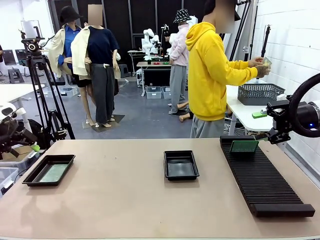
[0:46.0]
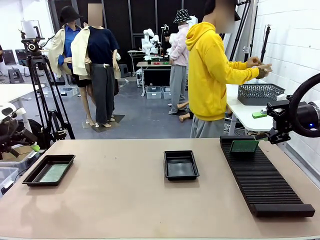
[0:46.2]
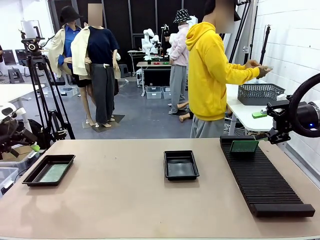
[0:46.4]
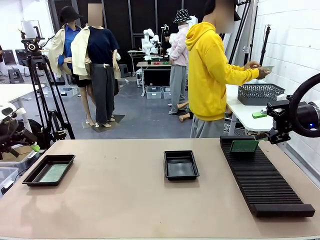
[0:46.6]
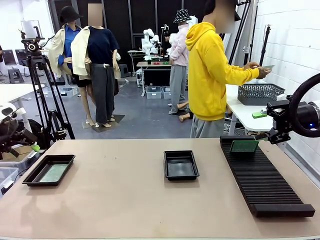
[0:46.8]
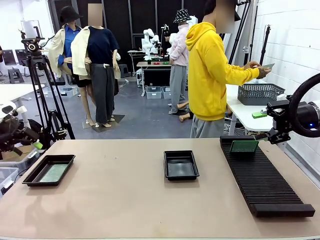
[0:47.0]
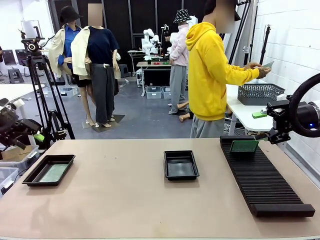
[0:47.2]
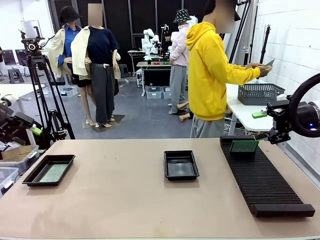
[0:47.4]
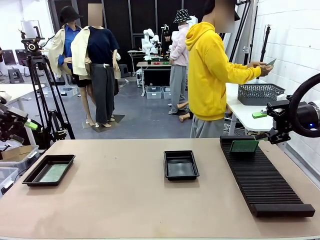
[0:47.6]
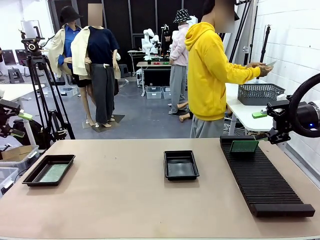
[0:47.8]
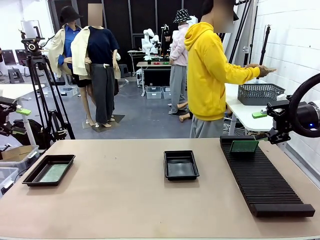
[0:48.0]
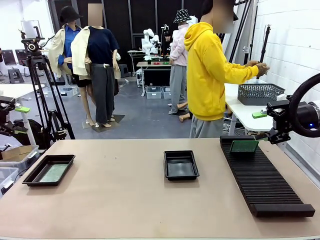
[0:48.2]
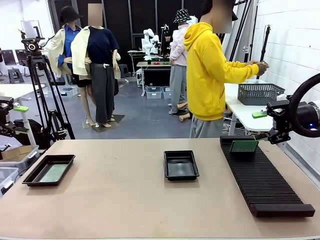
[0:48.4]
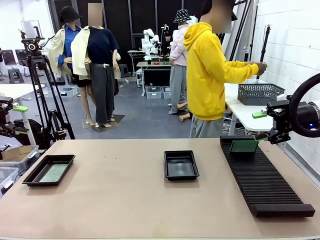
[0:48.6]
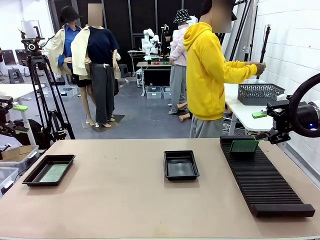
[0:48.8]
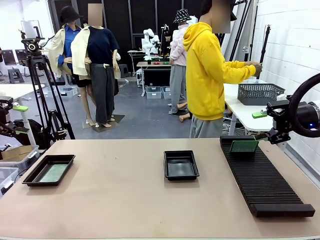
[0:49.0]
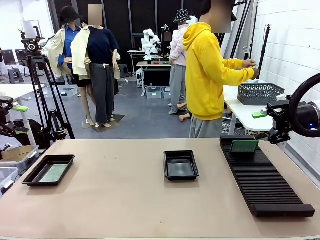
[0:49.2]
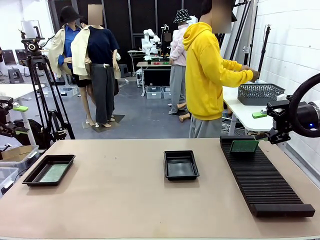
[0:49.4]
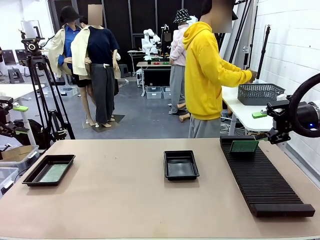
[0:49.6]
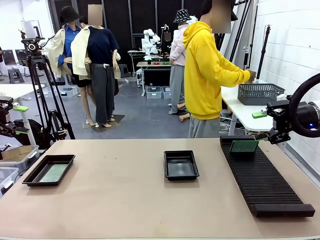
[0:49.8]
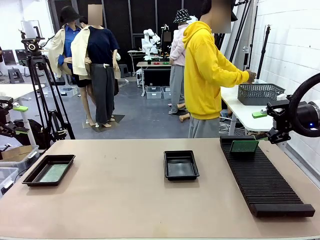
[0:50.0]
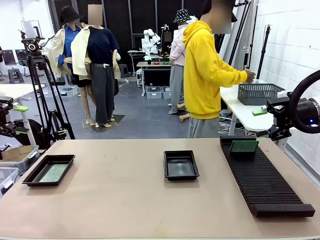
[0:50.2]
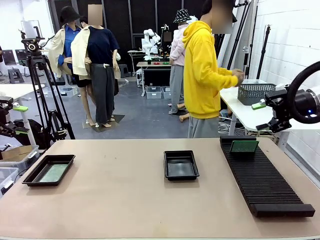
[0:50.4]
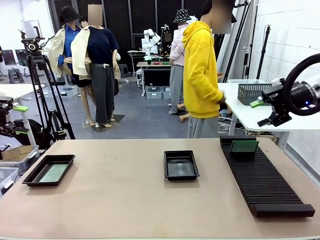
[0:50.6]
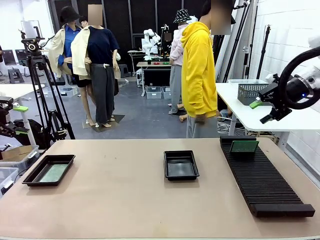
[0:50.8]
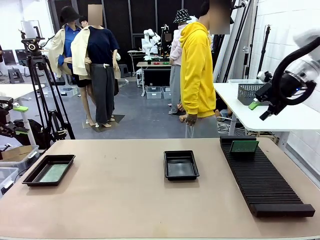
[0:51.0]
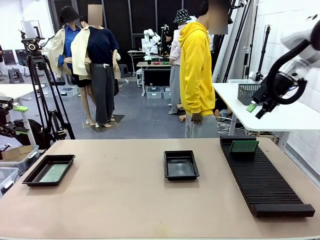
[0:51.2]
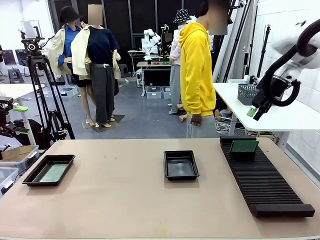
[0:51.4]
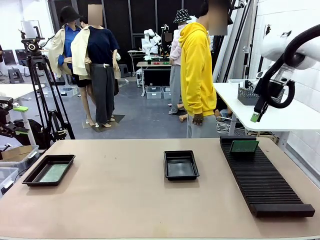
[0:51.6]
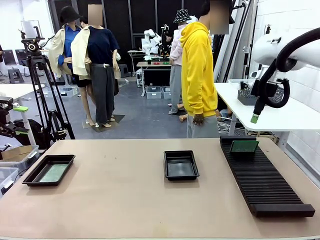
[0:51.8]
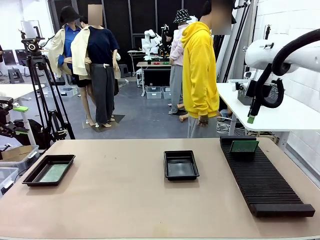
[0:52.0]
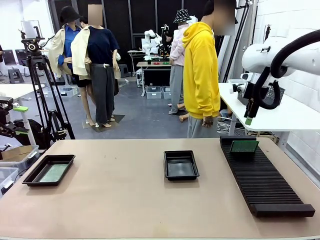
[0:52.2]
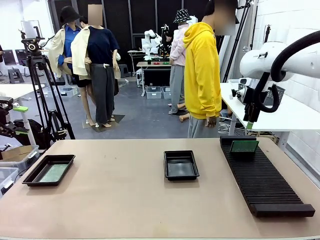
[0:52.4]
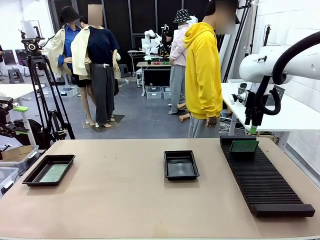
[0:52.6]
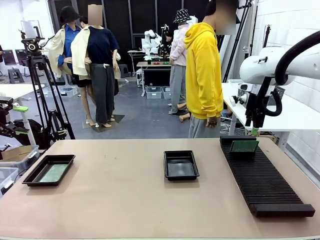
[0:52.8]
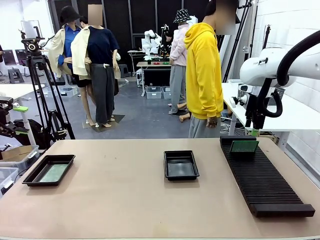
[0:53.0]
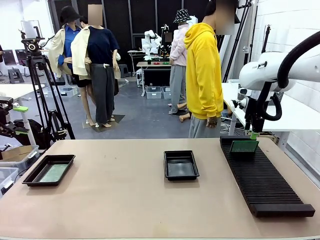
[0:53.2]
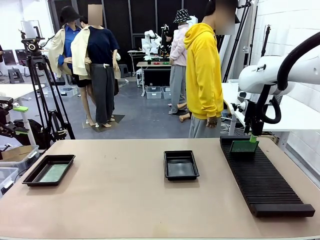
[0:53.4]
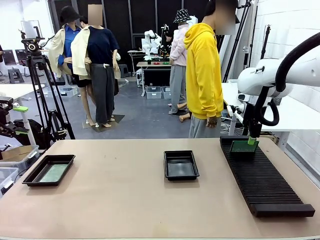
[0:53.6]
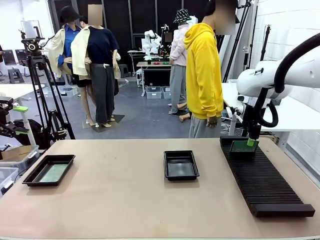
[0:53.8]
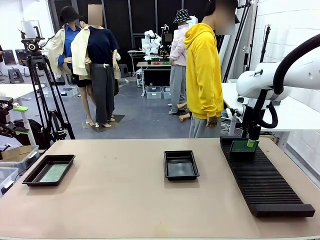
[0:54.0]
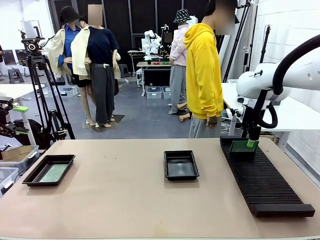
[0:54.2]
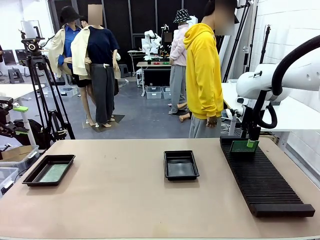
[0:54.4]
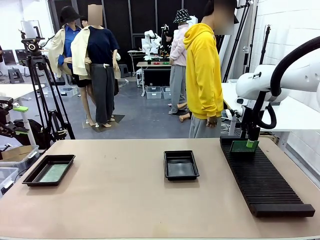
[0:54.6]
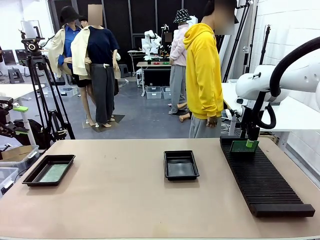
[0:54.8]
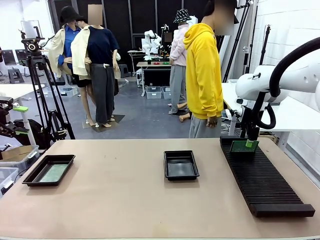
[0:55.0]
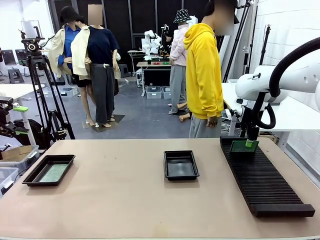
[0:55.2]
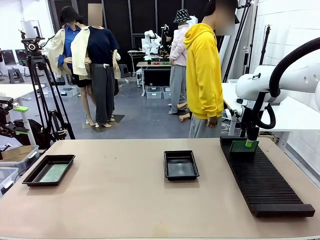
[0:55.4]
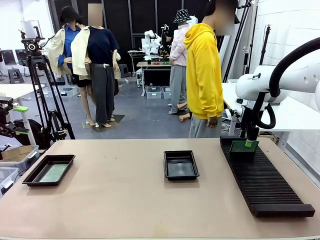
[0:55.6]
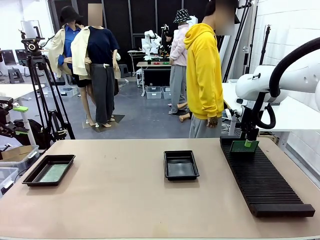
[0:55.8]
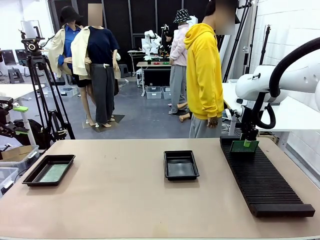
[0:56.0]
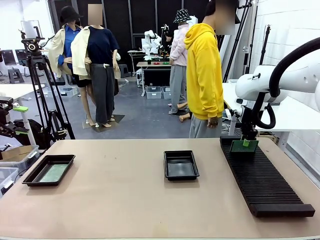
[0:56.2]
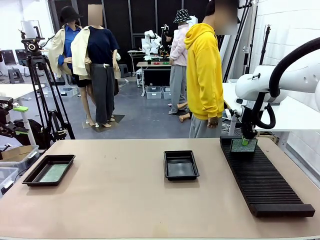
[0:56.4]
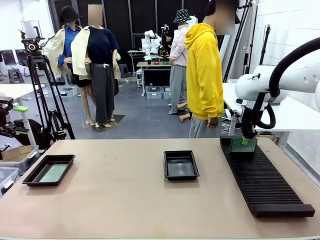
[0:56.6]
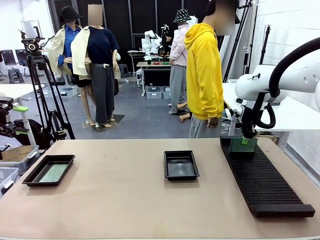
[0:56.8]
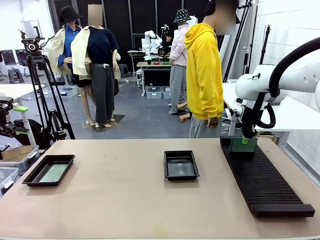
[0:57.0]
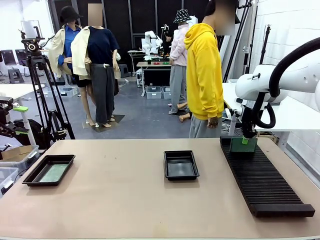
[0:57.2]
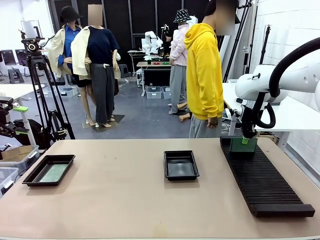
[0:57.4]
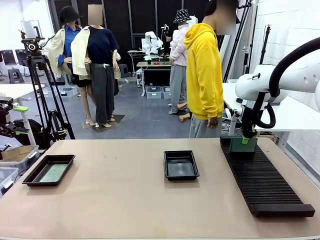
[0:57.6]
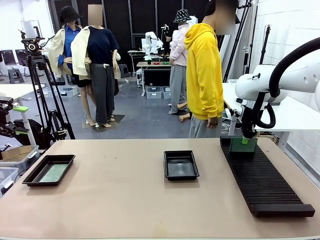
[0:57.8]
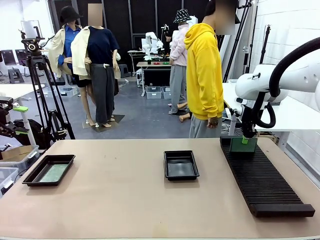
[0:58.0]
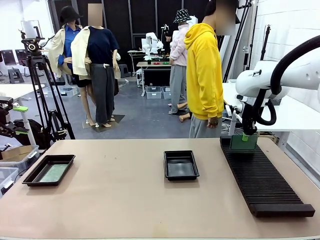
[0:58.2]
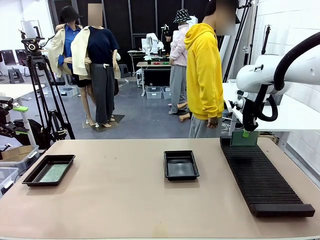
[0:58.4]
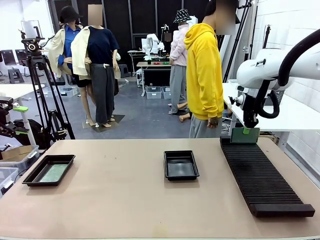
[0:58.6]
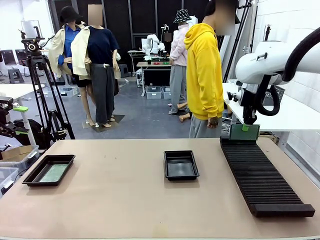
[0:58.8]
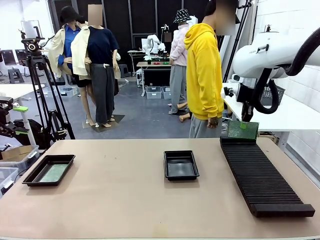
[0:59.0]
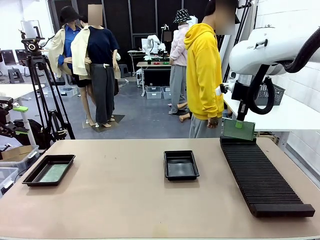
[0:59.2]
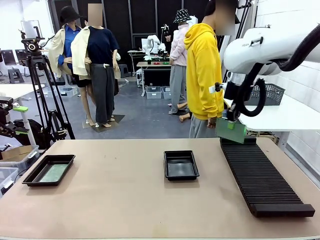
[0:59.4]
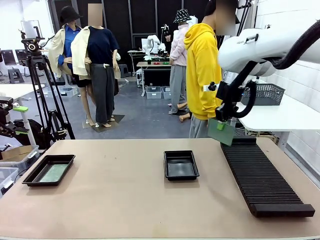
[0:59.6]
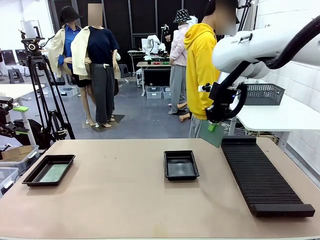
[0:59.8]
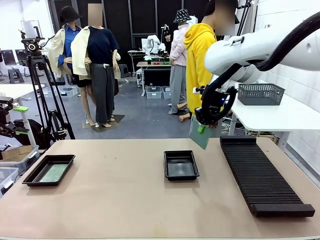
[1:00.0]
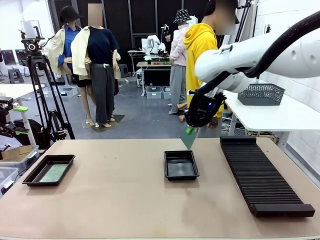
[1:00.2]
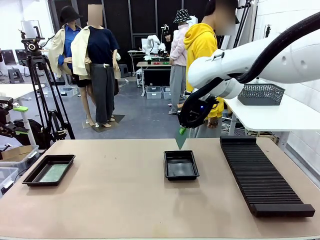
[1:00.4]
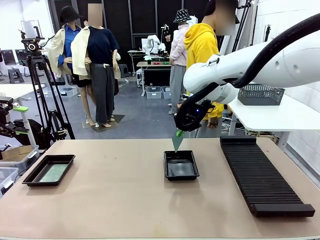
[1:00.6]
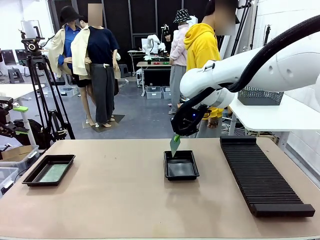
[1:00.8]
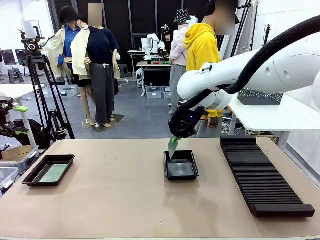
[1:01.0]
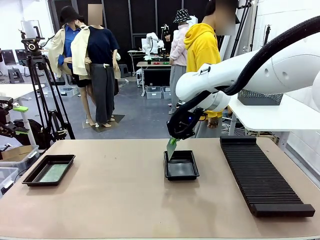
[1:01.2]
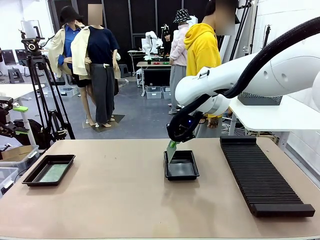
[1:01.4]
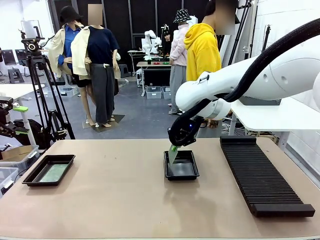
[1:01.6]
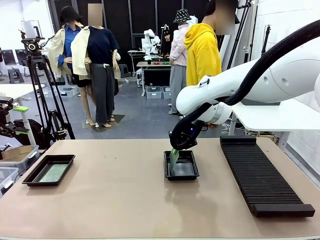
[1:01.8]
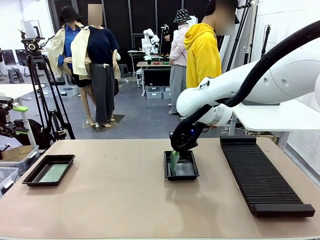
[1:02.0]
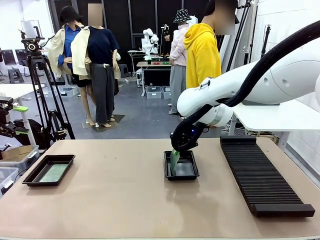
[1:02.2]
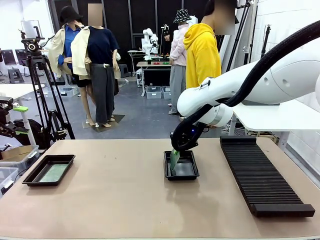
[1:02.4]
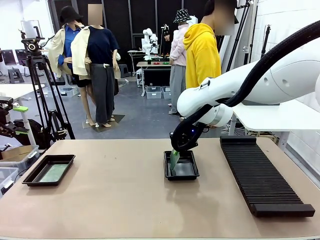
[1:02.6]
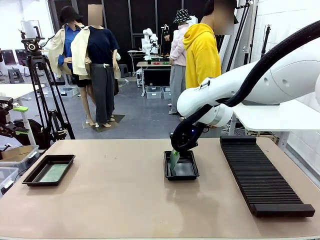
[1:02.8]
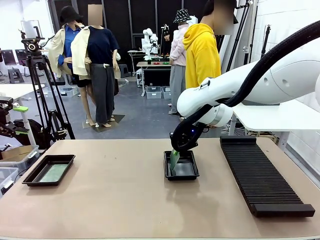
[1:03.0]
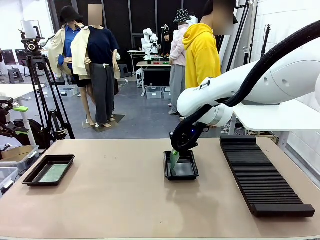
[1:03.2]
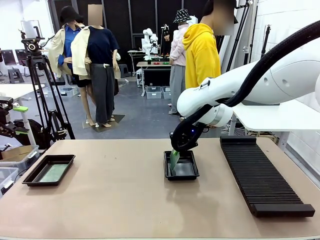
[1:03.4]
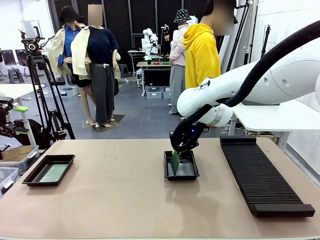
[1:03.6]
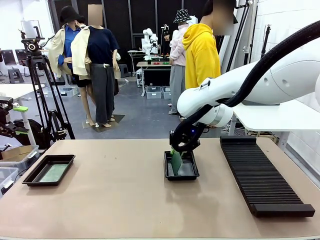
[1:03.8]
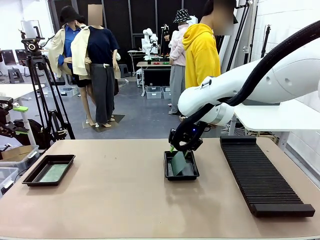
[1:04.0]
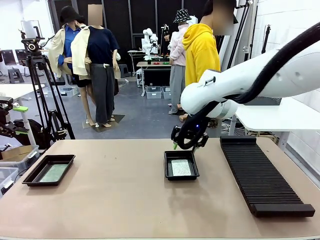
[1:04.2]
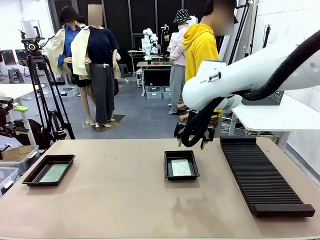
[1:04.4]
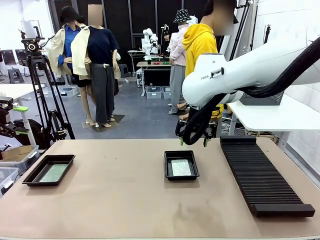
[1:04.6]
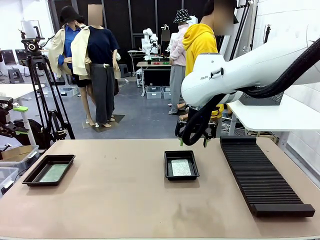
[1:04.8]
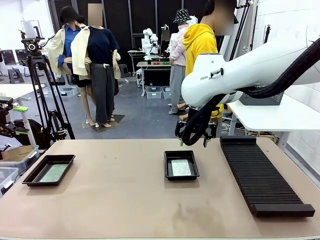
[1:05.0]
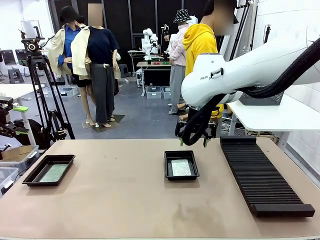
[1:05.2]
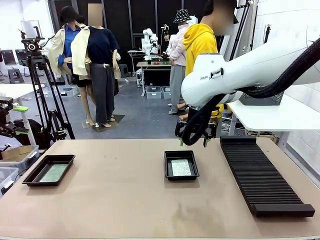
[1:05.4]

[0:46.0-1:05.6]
Task: Inspect and transfer BCBs to ESD trays.
Robot: Pick up the Blank PCB from the PCB Rack and place it in the right ESD tray.
